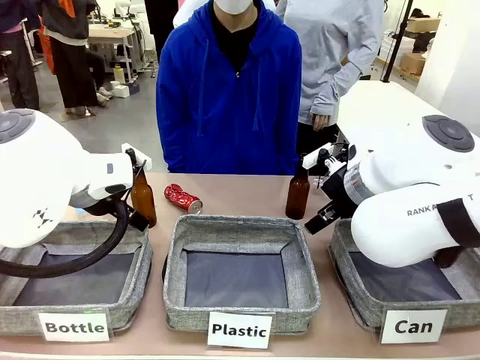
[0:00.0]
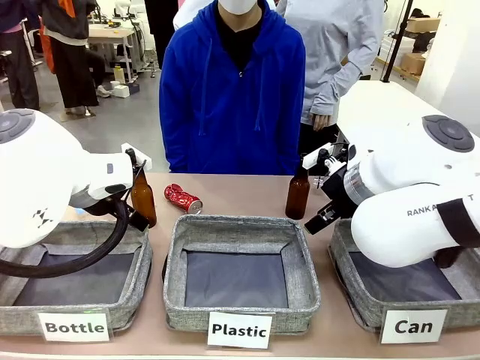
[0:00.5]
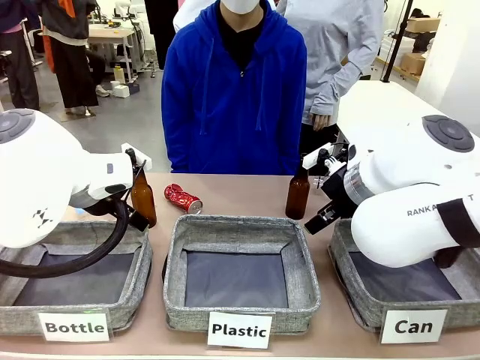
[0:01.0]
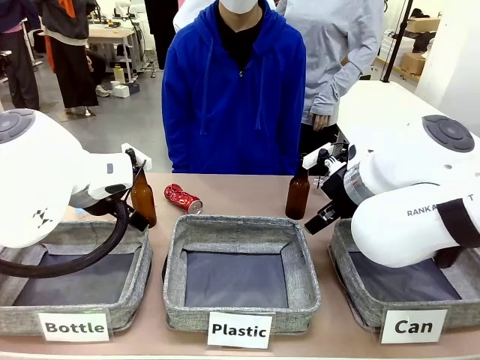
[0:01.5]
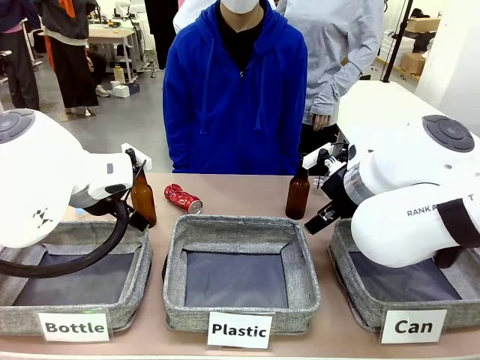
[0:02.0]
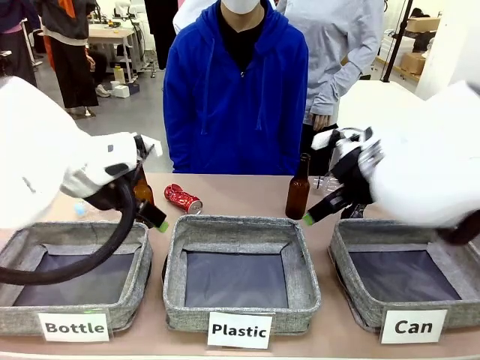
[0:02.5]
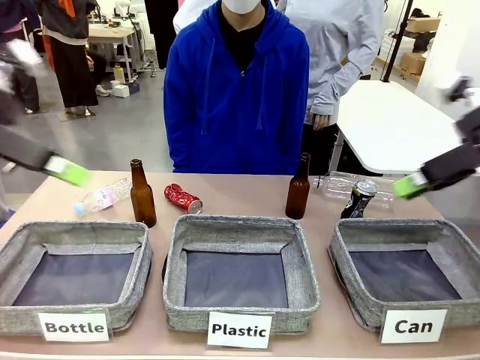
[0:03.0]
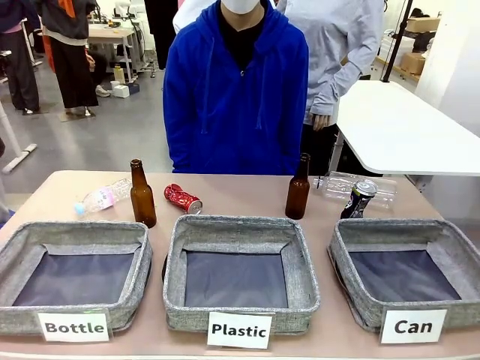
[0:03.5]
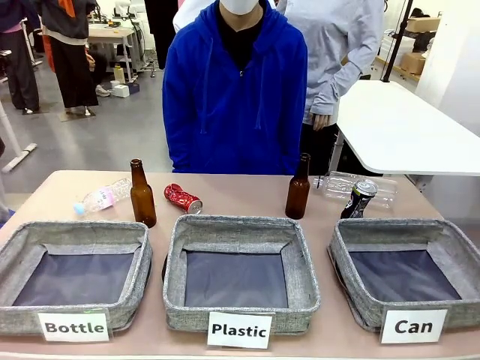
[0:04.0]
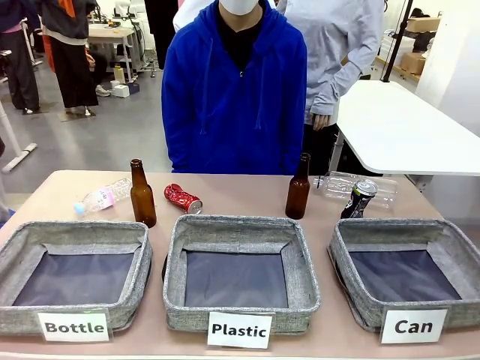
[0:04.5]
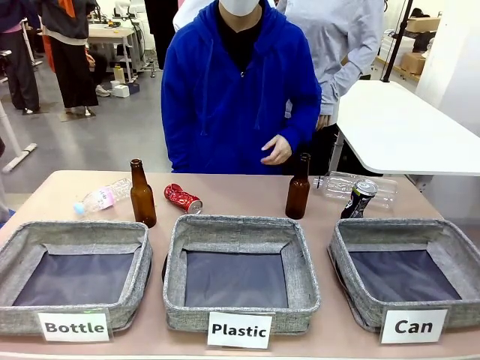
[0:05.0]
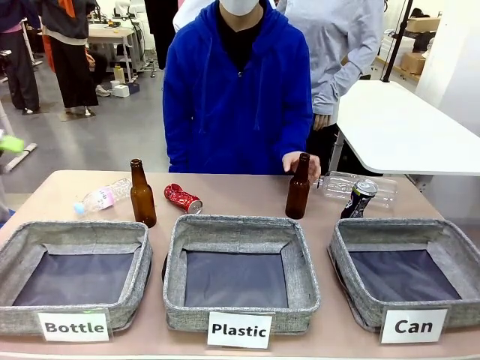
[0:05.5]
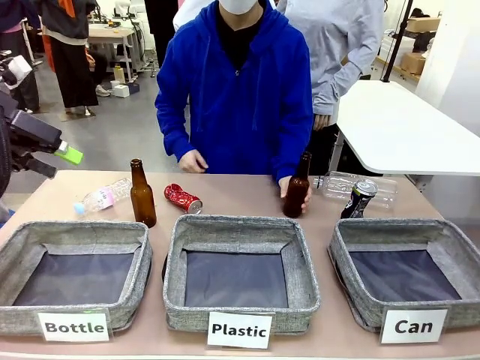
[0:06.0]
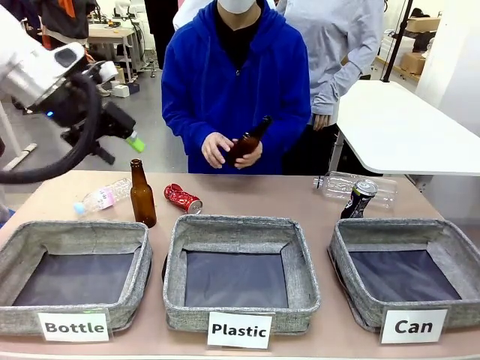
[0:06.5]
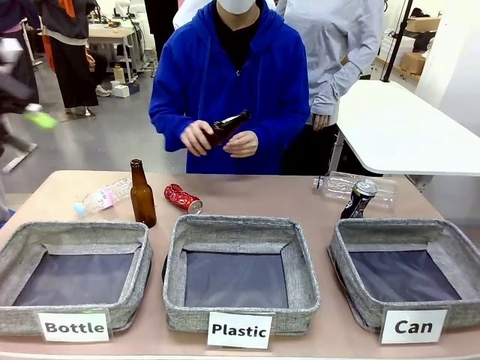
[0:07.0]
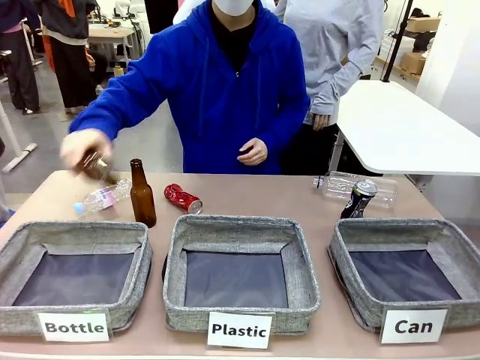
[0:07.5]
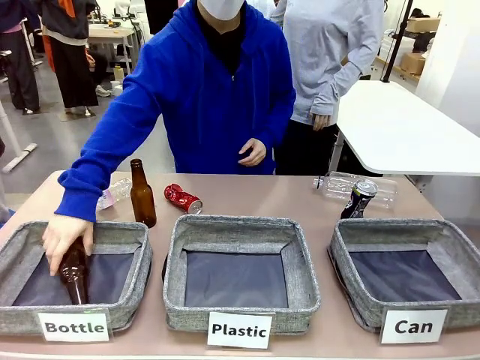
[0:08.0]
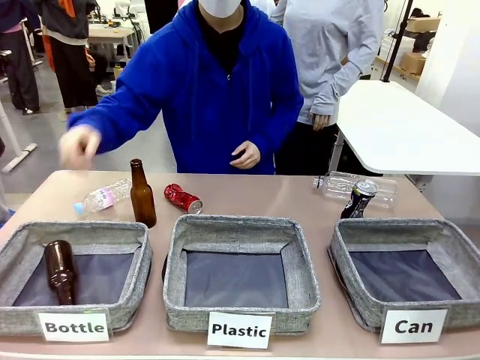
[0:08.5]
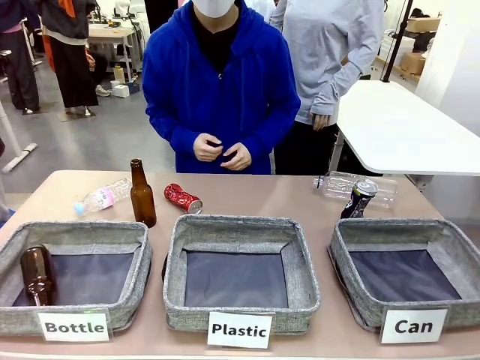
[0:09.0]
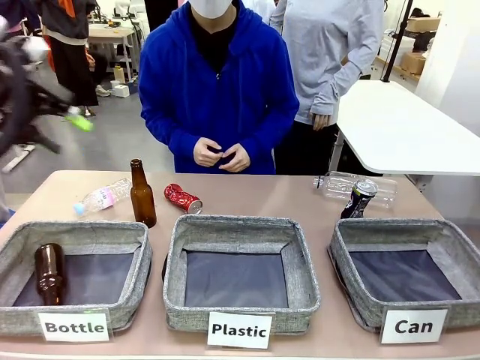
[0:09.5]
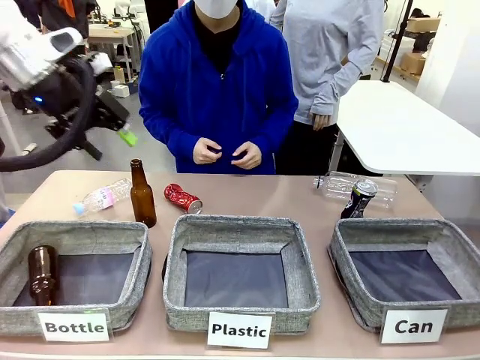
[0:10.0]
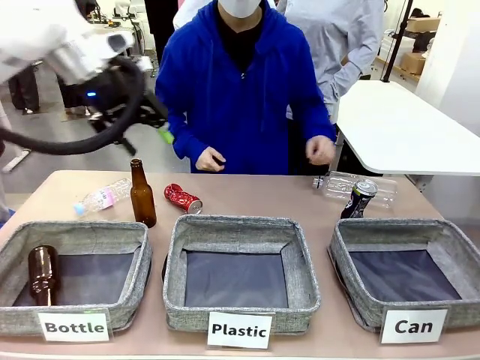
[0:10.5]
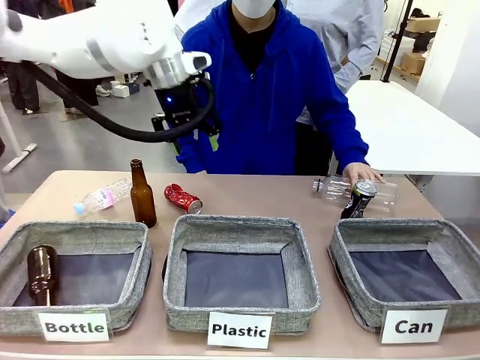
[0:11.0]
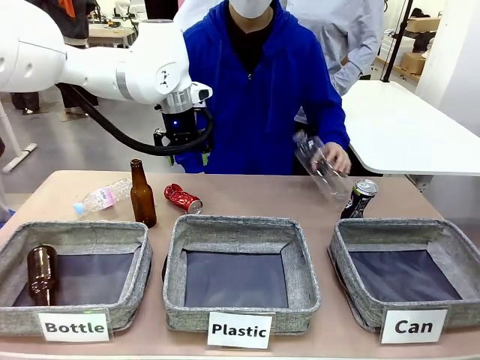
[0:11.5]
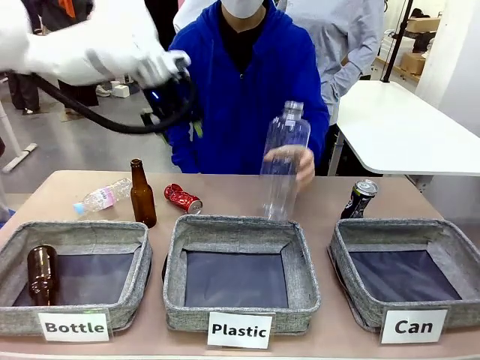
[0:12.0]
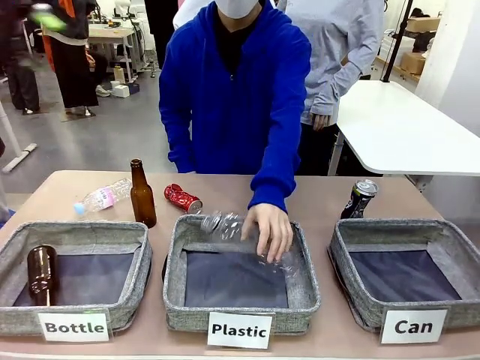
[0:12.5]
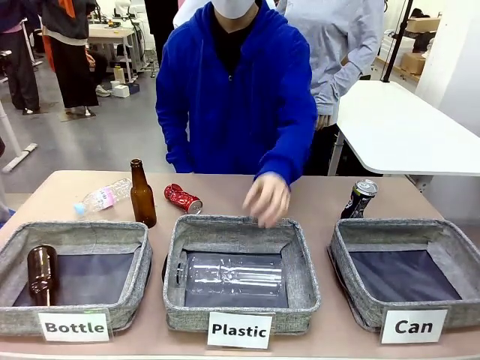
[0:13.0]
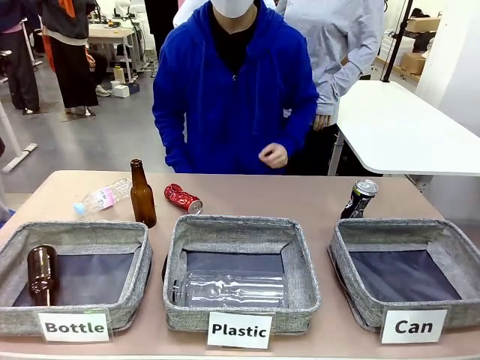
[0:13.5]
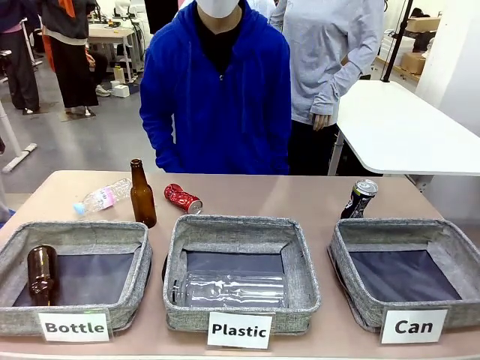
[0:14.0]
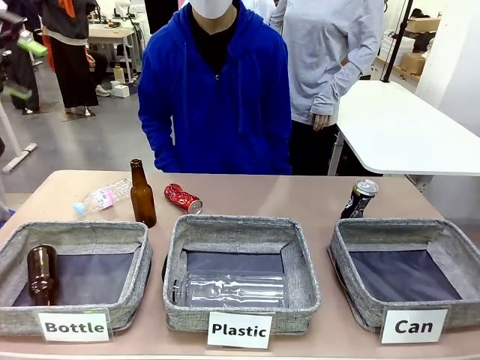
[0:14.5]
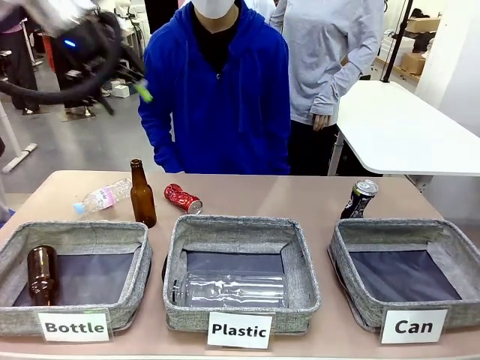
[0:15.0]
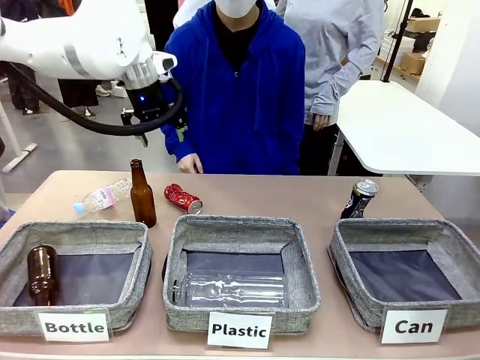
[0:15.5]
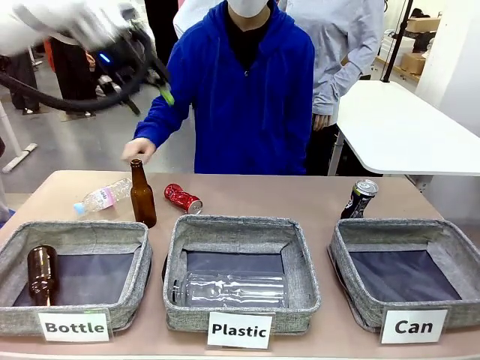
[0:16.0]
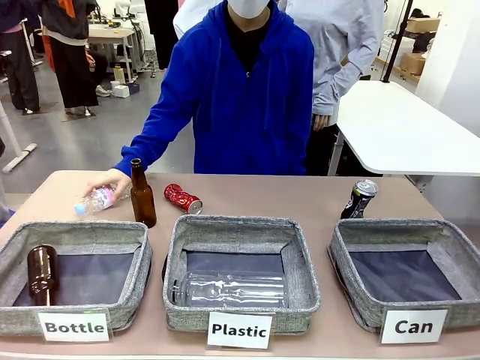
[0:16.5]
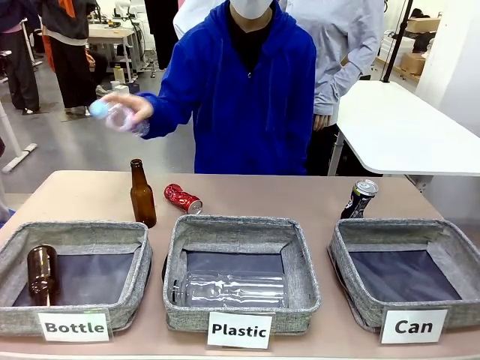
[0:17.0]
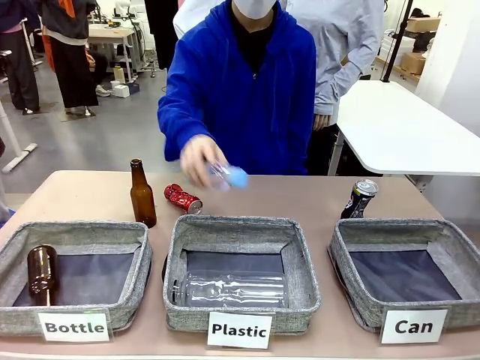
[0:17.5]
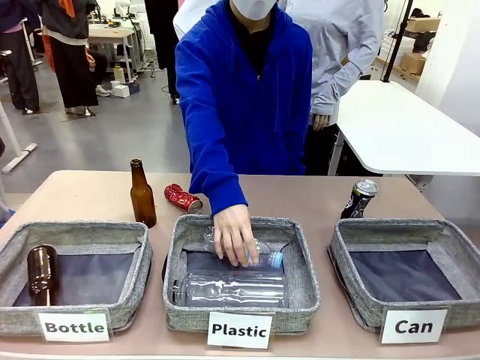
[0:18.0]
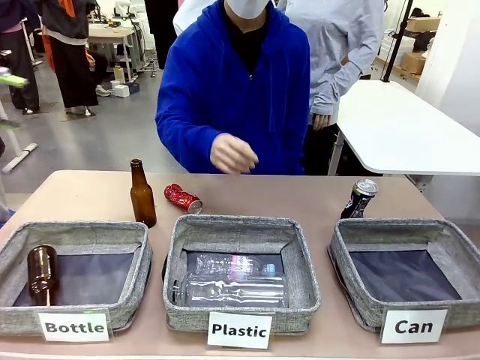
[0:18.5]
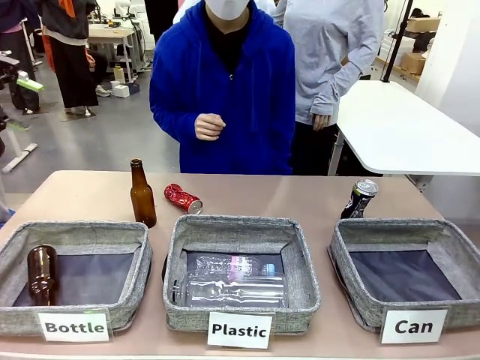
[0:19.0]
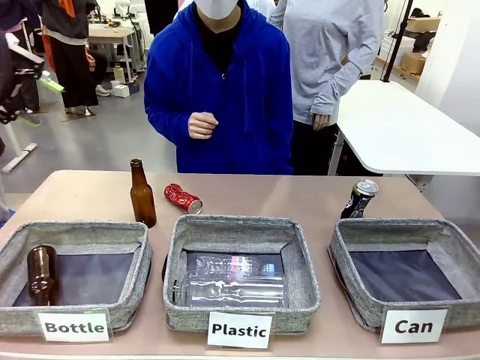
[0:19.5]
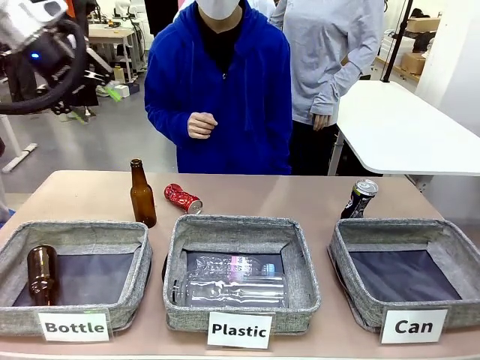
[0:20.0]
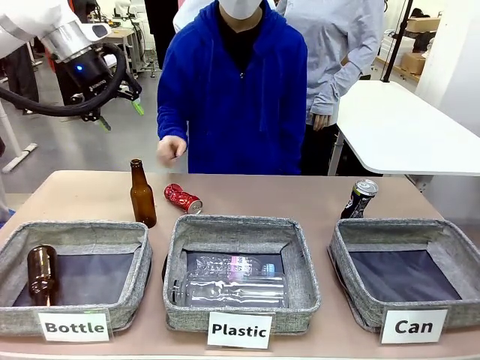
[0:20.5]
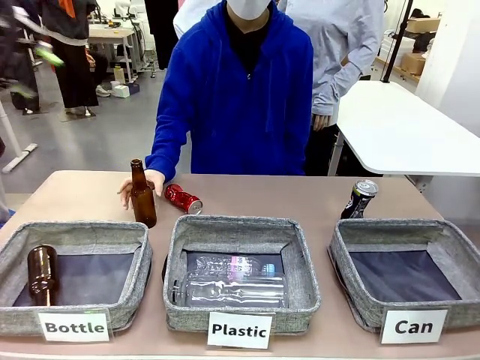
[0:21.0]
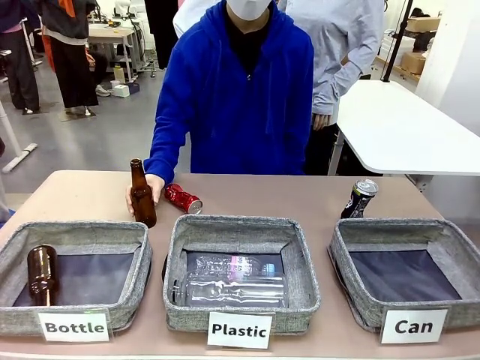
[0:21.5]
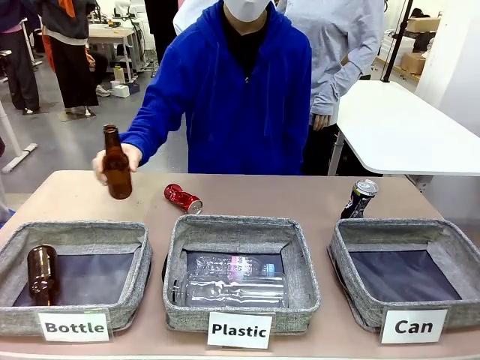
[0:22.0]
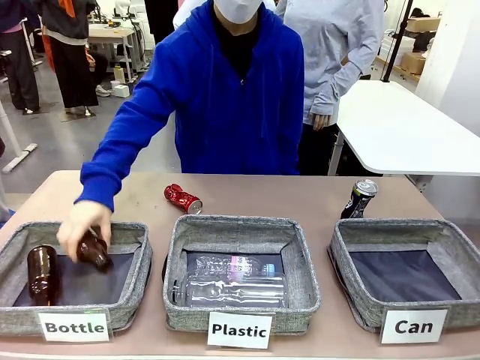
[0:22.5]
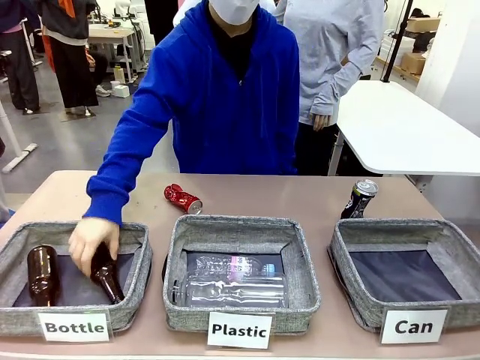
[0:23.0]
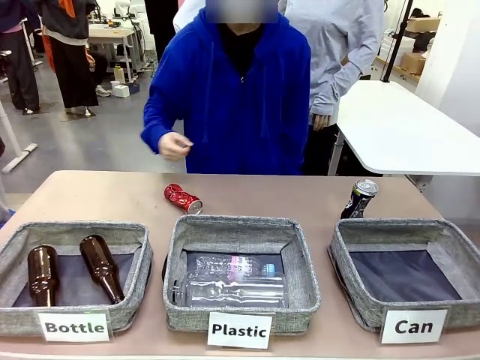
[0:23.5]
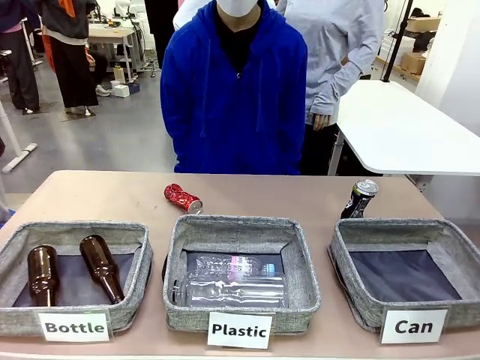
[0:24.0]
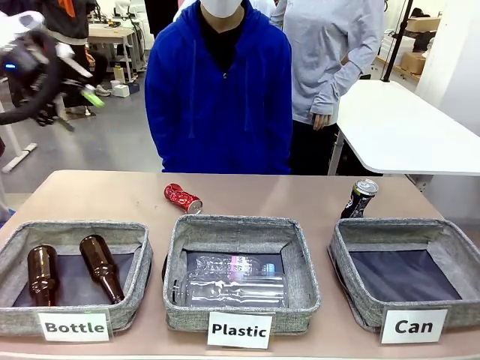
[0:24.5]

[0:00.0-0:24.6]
Task: Sort the can waste into the basket.
Robot: Pick up the can waste from the table and place it in the right Fabric basket.
